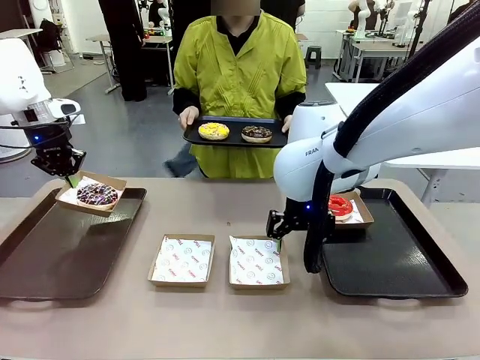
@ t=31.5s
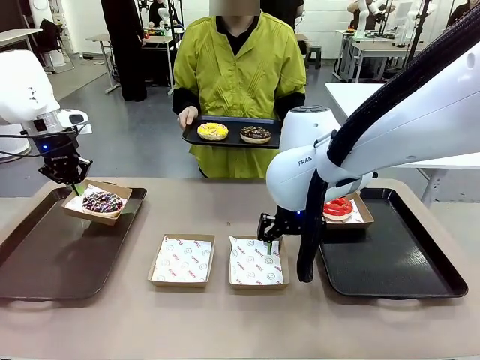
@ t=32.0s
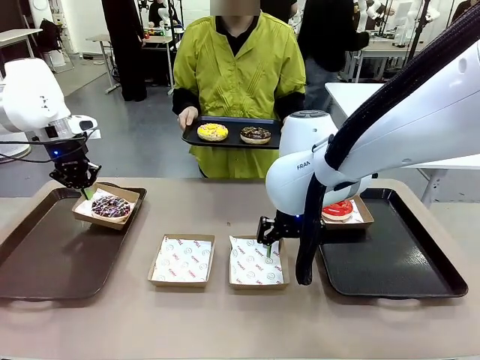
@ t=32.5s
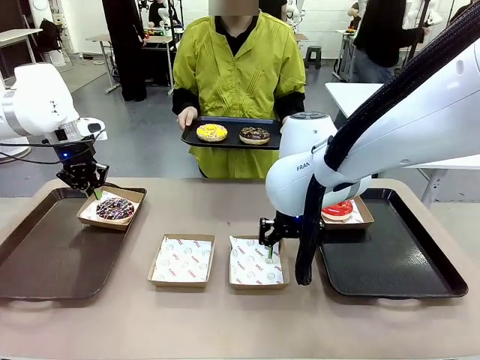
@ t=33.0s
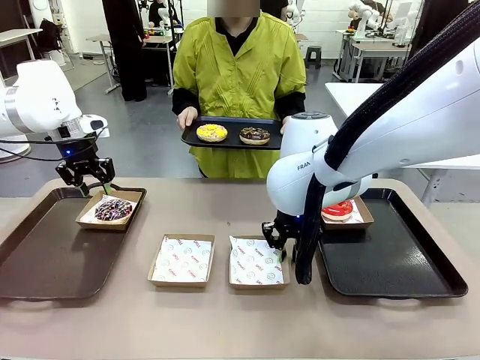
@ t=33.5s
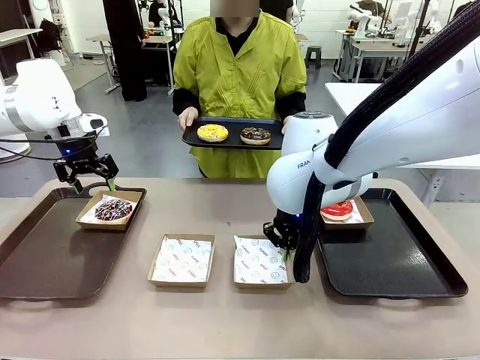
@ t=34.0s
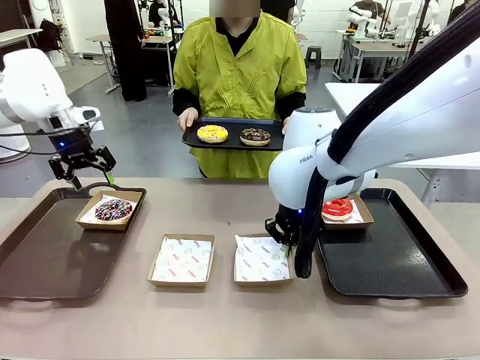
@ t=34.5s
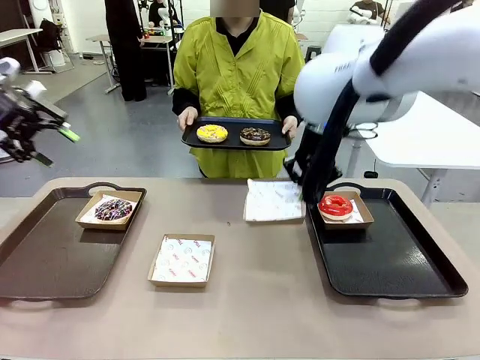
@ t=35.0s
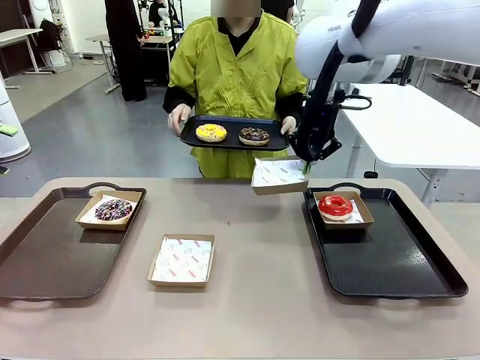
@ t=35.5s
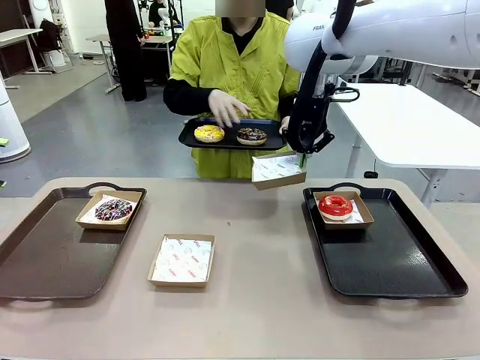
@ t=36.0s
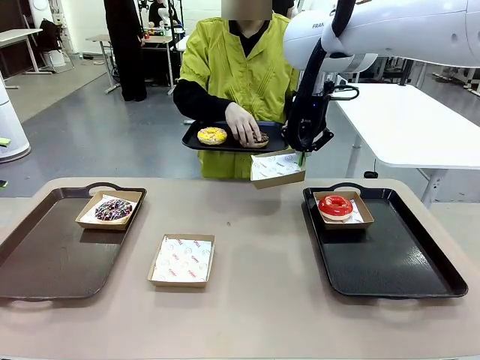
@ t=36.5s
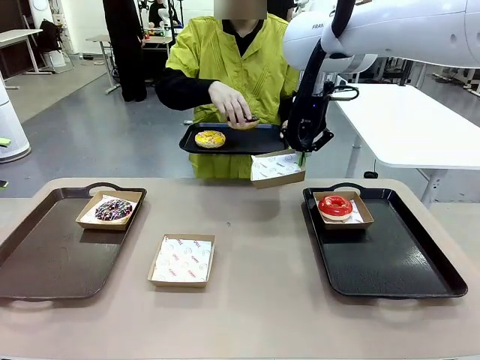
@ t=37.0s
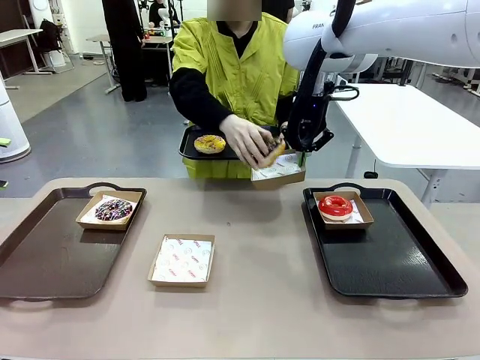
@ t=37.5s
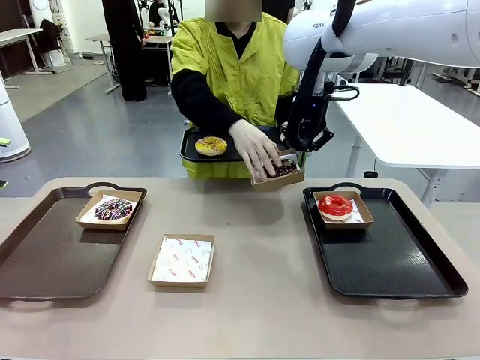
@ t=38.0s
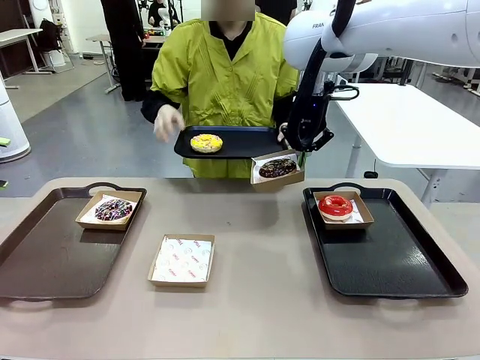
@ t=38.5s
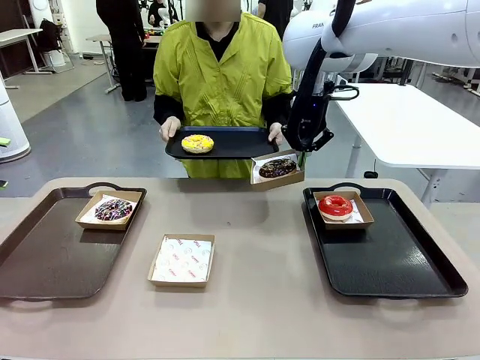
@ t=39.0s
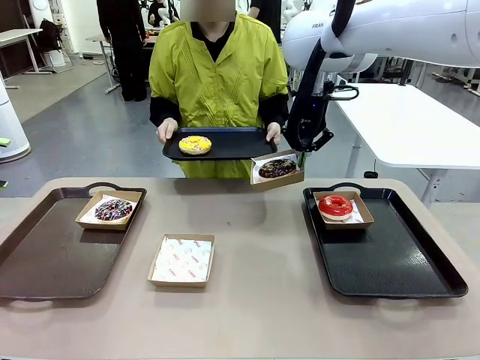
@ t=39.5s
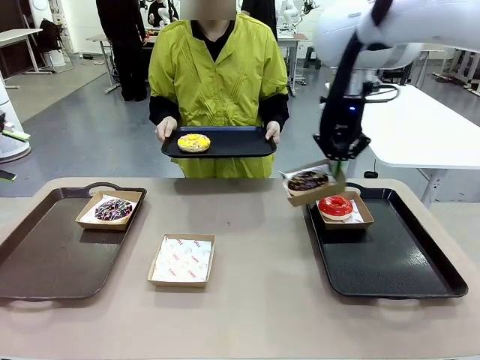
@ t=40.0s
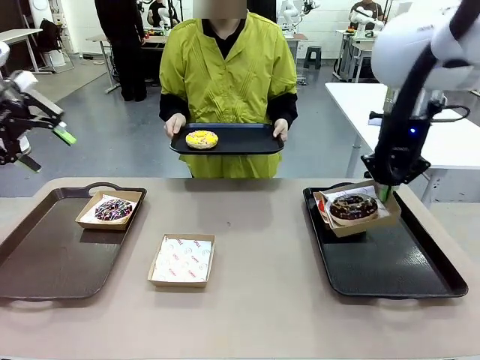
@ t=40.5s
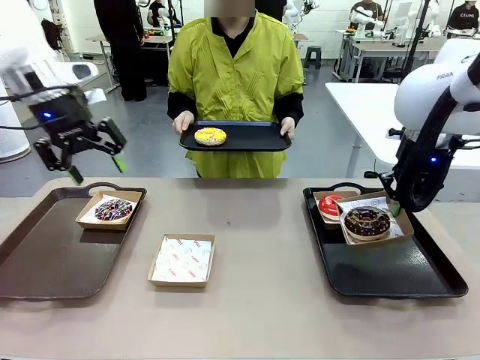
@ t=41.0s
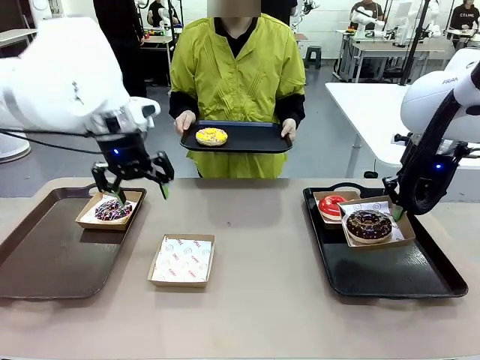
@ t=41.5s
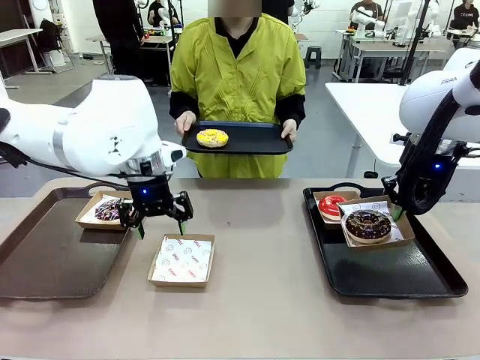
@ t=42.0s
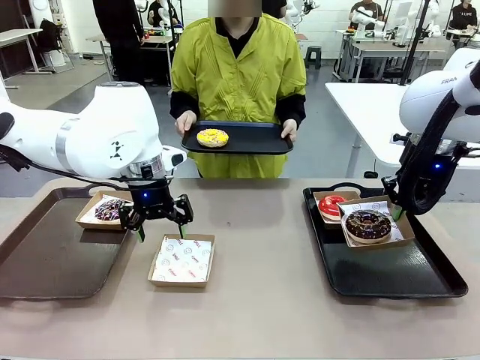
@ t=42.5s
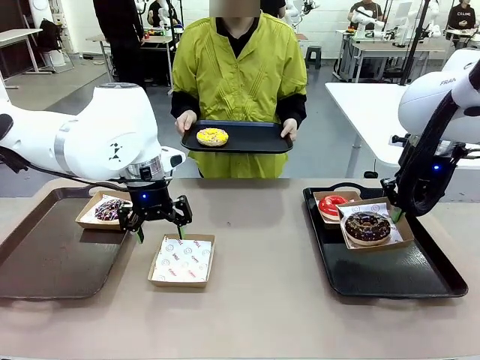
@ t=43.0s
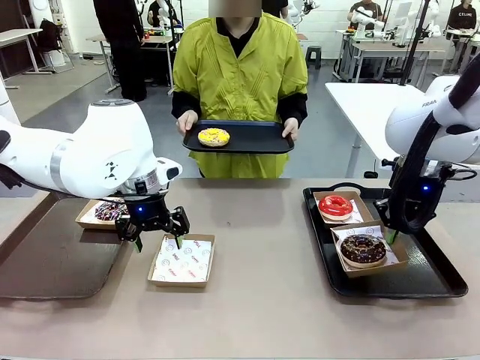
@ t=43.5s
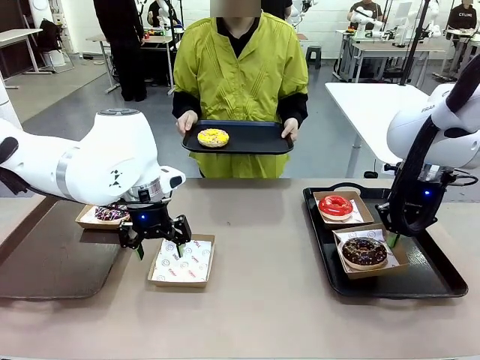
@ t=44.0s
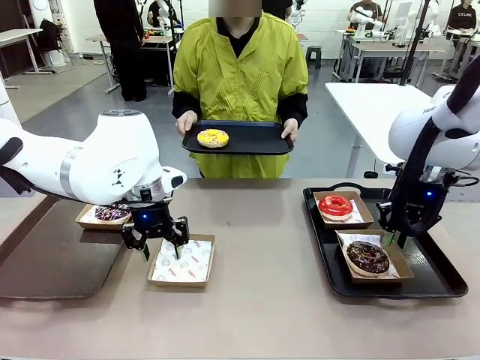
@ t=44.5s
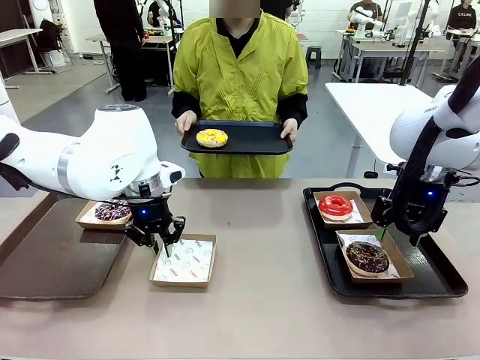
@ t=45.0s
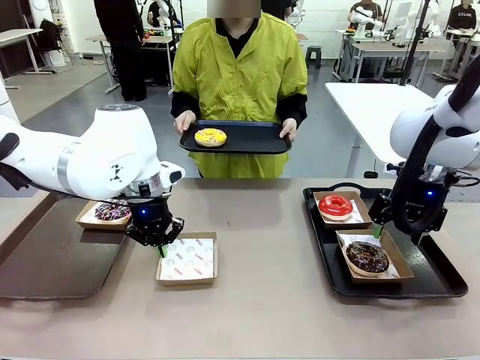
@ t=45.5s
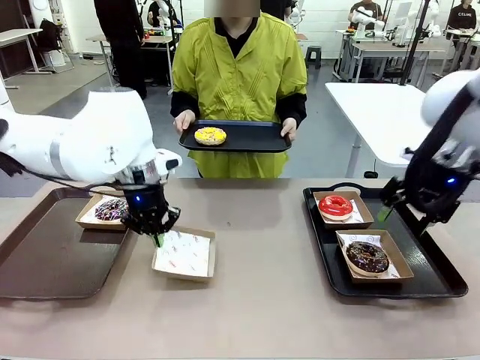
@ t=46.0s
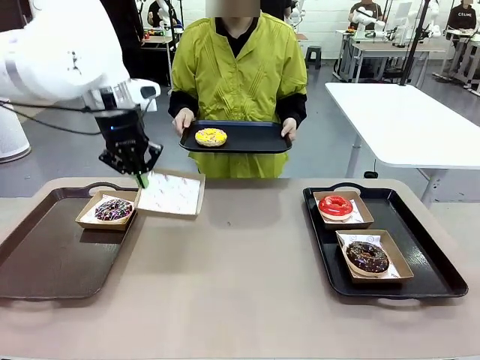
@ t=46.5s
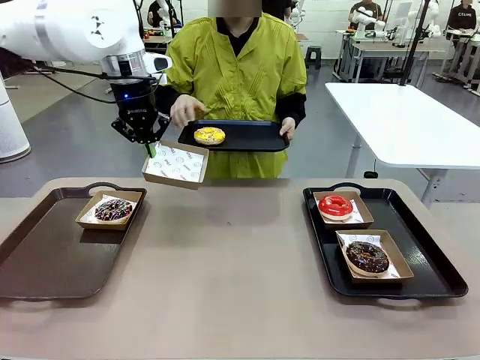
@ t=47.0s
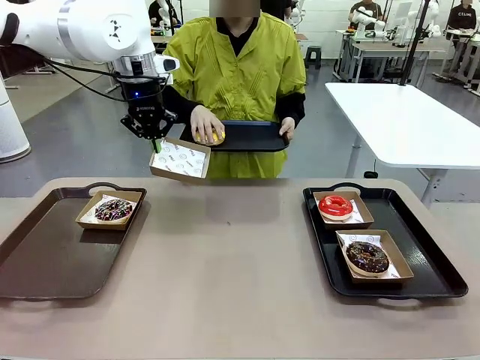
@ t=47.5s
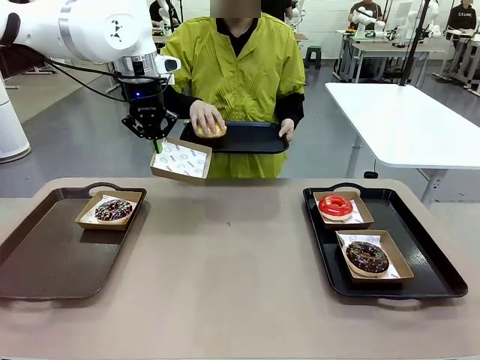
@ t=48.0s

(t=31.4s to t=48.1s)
Task: Individually package the donuts and arrange them on the tray.
Robot: Place the picked Paper togo box on the Handle tray while simultaneously picking up another Paper togo box from the table with the other hand.

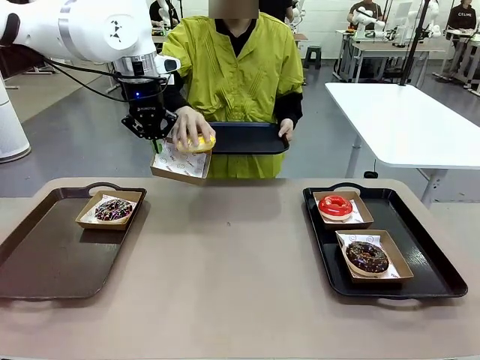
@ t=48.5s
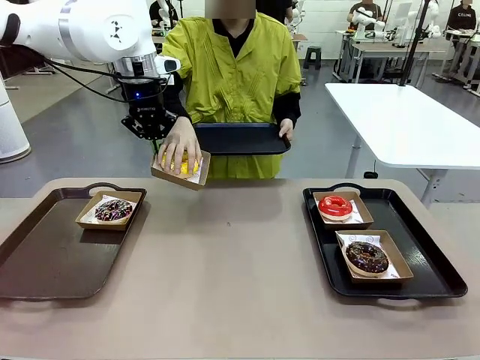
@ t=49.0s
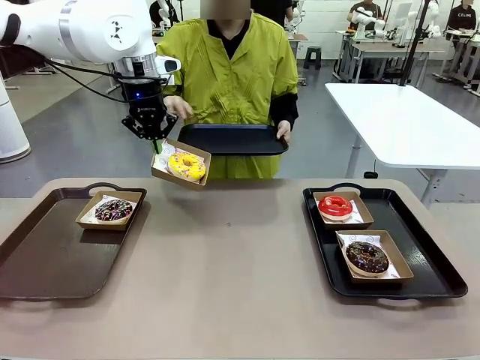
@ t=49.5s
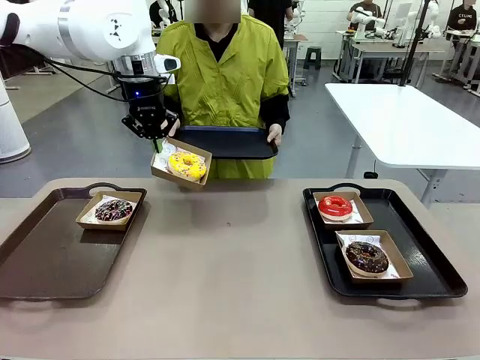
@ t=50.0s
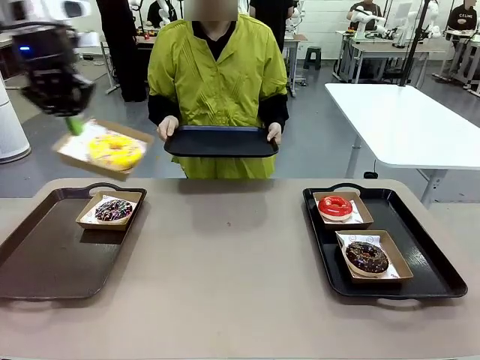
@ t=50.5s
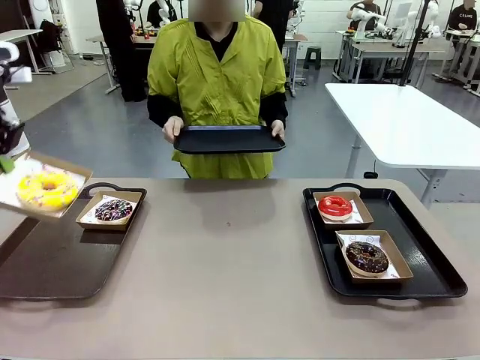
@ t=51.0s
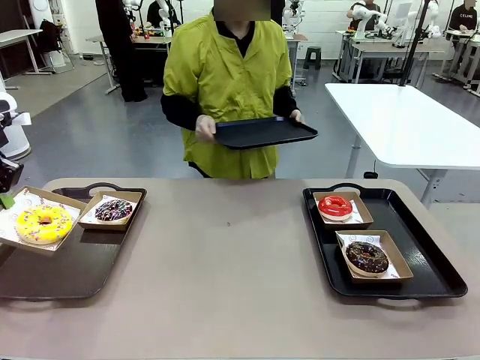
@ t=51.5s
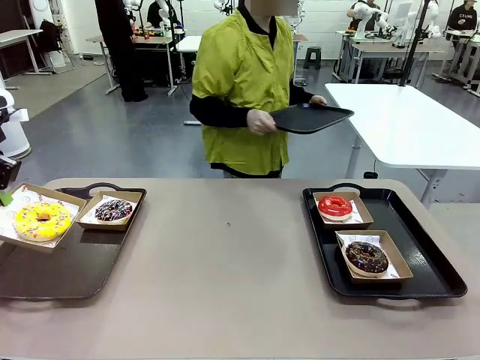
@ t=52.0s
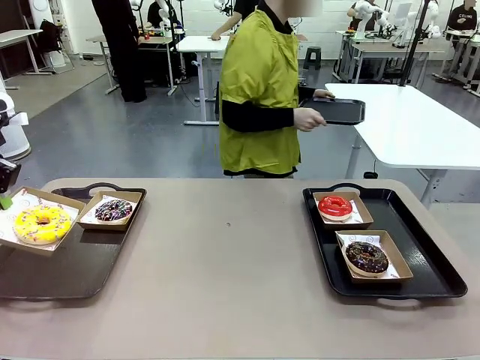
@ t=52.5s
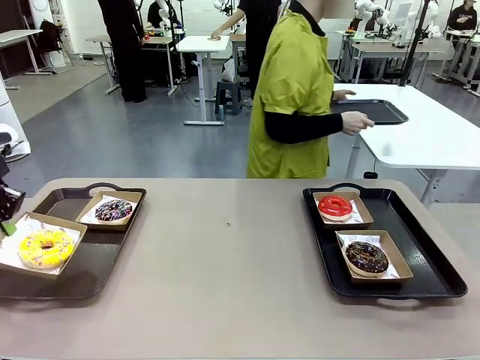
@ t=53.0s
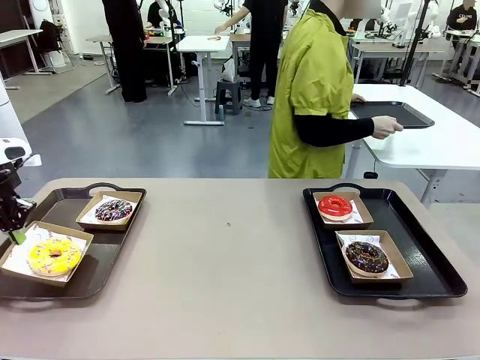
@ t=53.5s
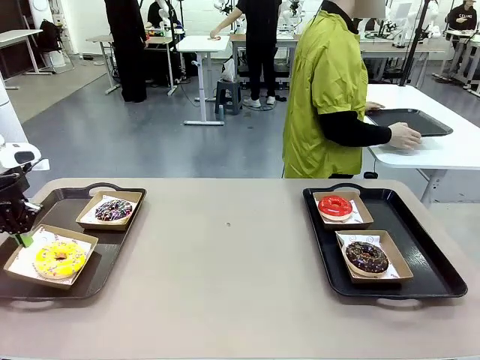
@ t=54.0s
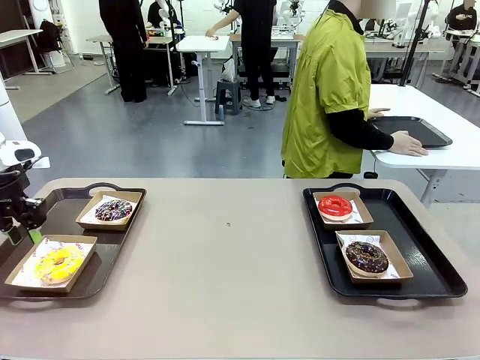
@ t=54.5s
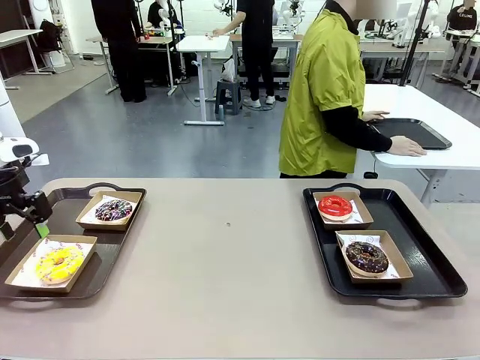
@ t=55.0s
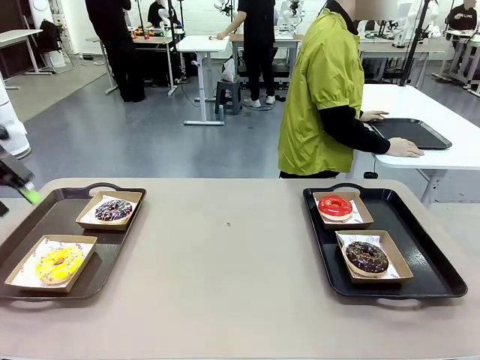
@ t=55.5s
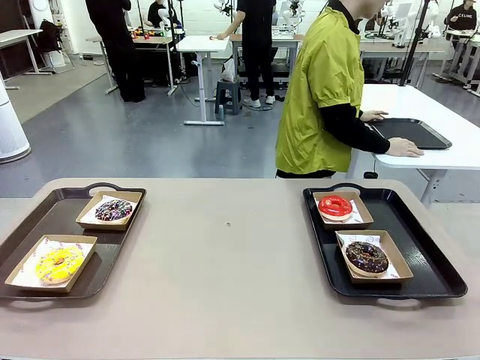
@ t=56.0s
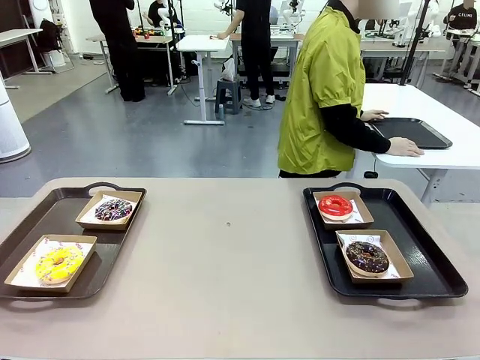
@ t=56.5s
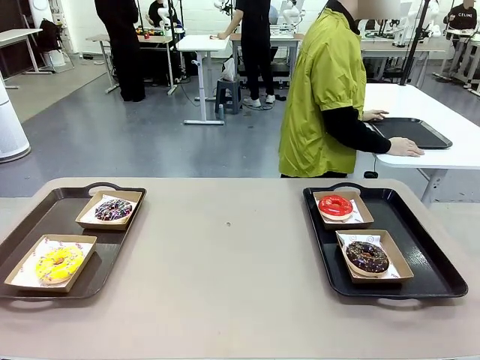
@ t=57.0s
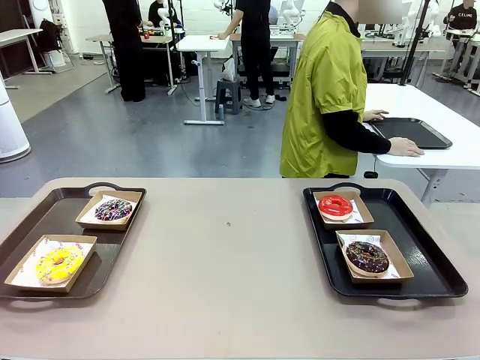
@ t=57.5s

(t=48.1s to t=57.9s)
Robot: Place the picked Paper togo box on the Handle tray.
Person: Place the tray down in the middle of the human table.
